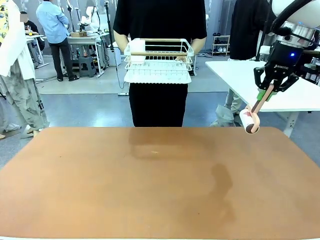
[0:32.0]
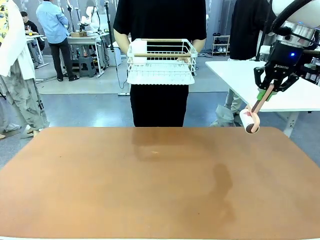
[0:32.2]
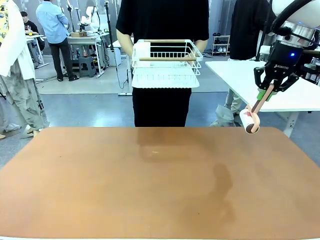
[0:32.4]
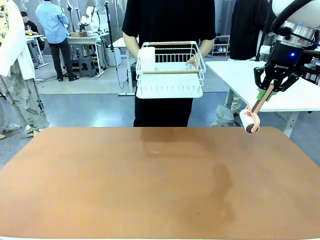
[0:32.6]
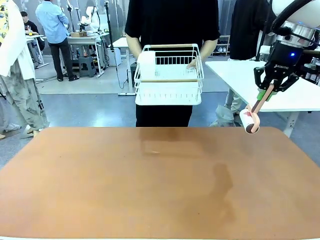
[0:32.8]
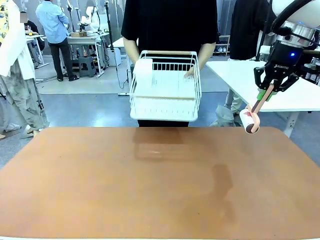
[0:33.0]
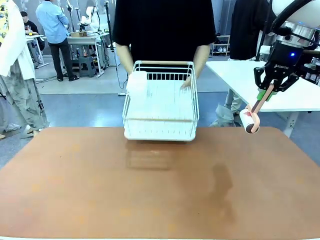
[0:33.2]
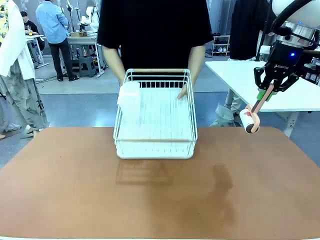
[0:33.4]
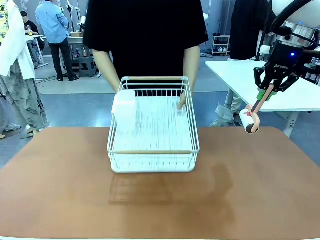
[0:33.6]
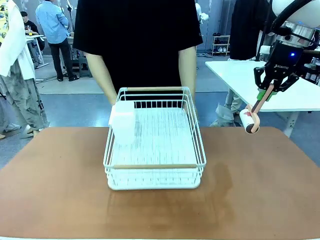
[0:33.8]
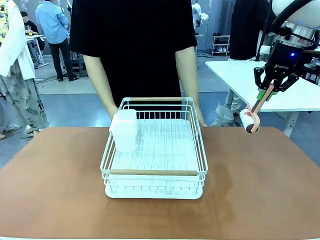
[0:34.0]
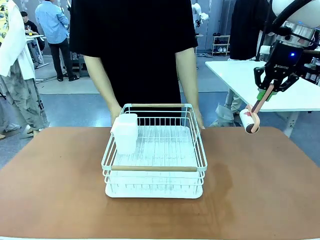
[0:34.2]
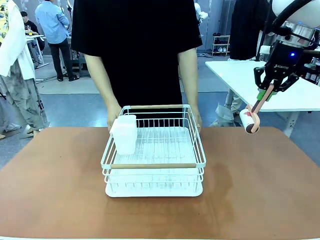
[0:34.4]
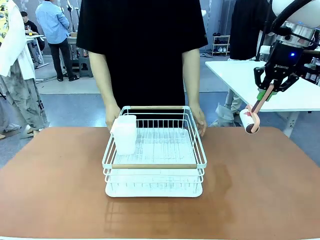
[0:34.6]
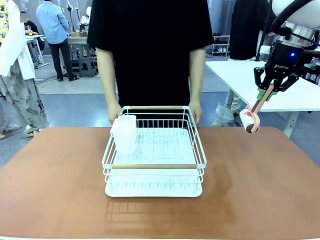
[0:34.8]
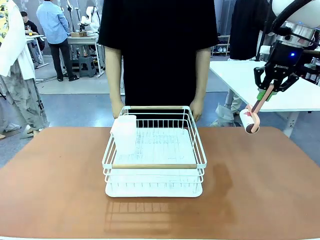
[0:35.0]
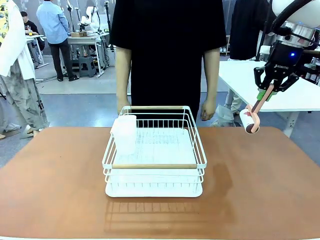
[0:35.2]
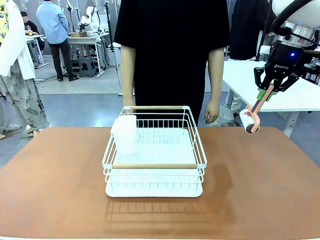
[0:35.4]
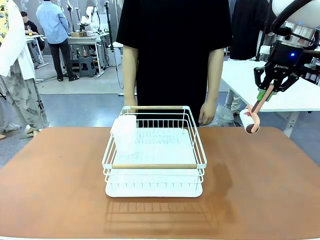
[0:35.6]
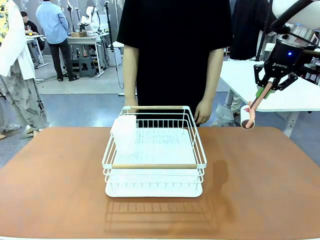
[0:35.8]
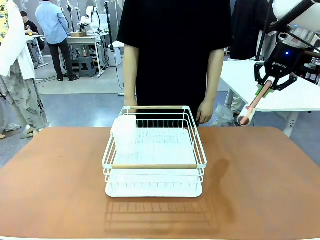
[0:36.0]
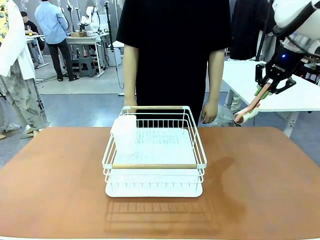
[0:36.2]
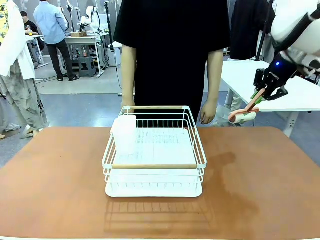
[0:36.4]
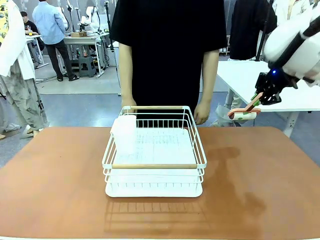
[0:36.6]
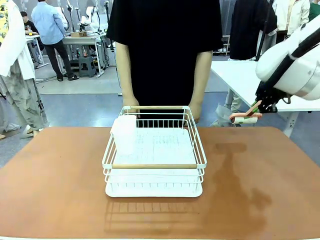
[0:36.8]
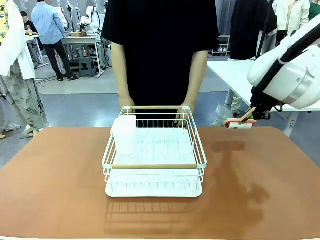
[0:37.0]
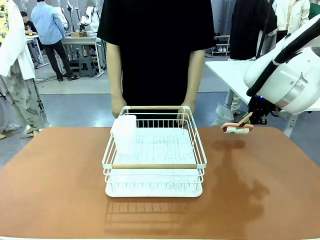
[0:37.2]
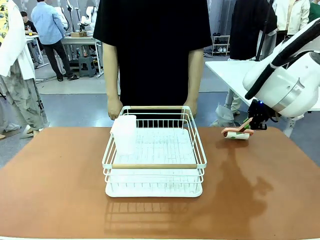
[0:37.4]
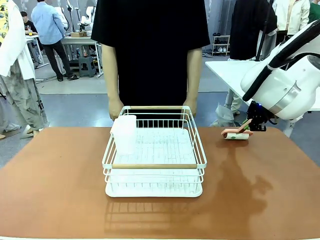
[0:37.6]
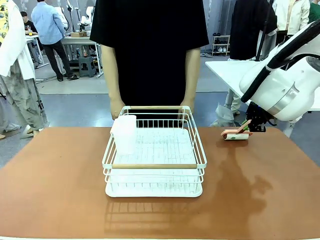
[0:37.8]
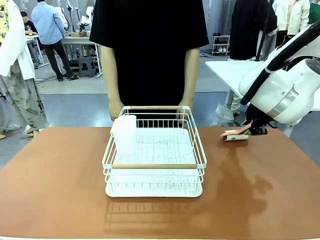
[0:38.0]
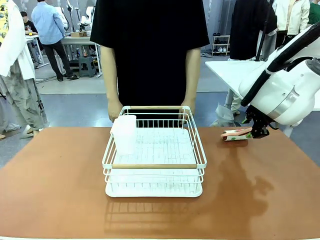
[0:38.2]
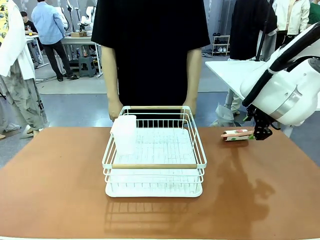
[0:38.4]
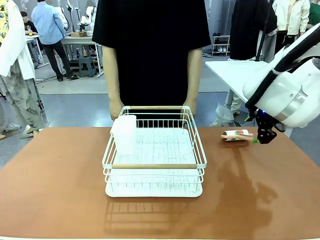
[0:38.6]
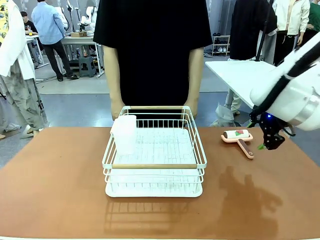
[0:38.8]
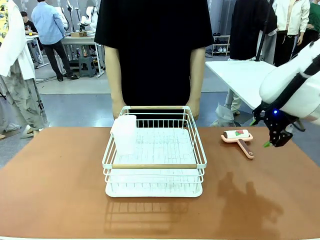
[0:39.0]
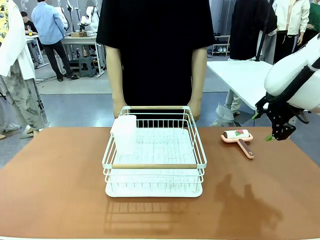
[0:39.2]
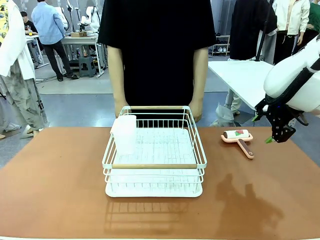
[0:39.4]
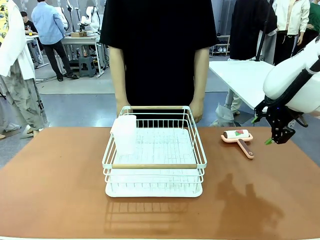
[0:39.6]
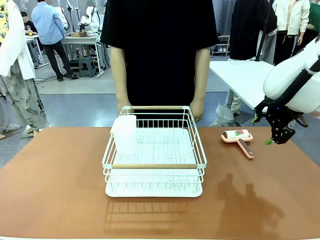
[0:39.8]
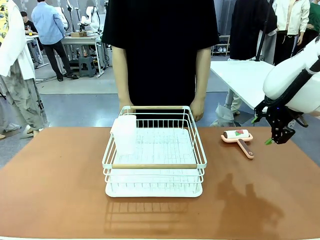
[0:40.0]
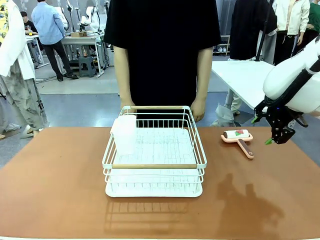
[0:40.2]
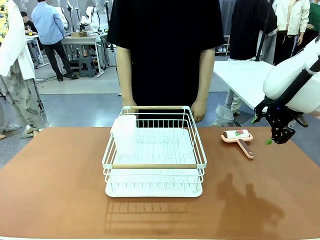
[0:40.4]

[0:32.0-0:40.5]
Task: Clean the table.
Robot: Place the Lint Roller down when the Dish drying rack is positioned in the middle of the table.

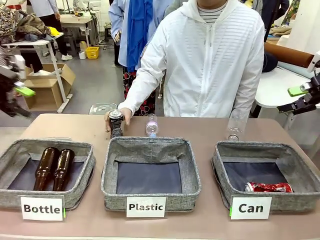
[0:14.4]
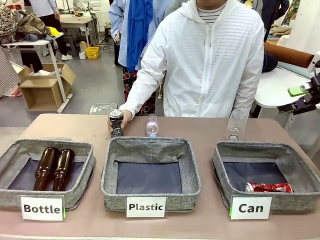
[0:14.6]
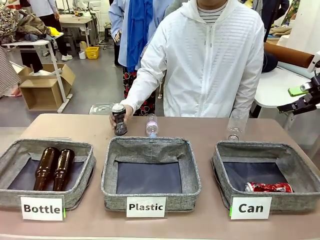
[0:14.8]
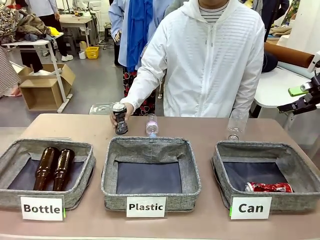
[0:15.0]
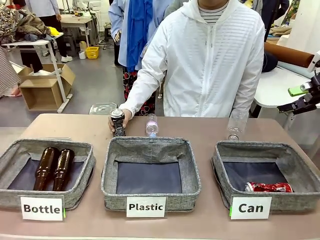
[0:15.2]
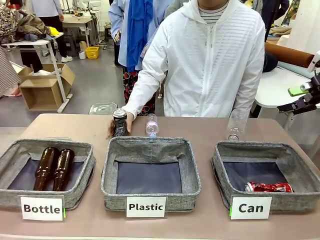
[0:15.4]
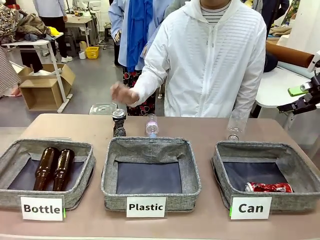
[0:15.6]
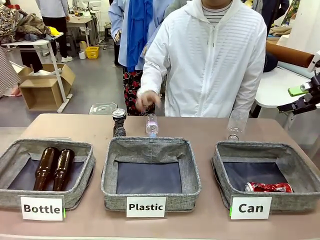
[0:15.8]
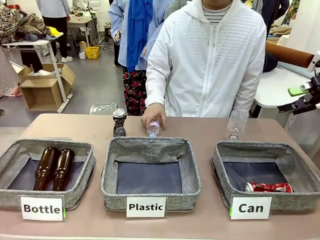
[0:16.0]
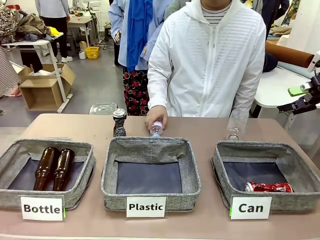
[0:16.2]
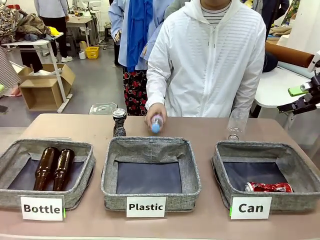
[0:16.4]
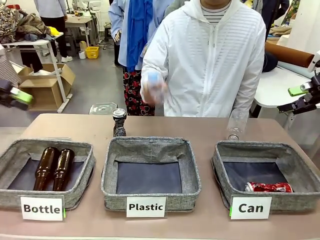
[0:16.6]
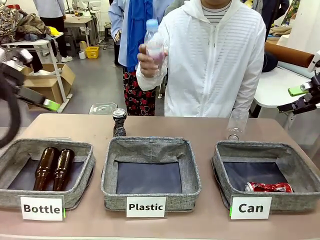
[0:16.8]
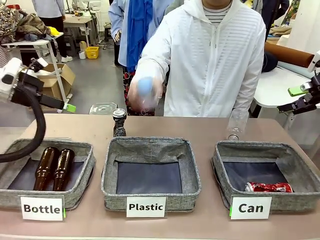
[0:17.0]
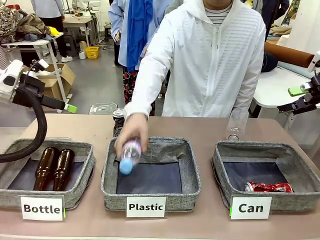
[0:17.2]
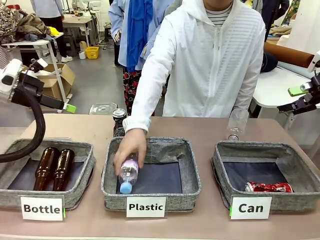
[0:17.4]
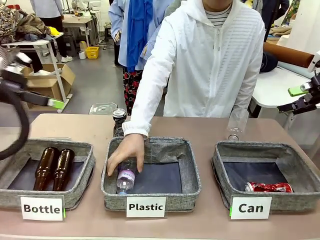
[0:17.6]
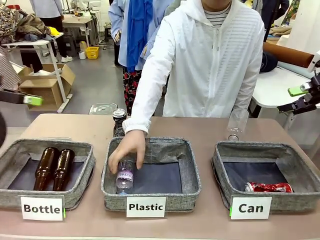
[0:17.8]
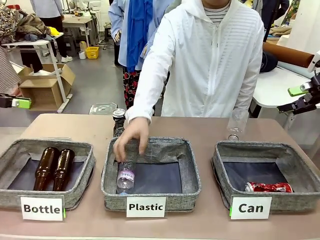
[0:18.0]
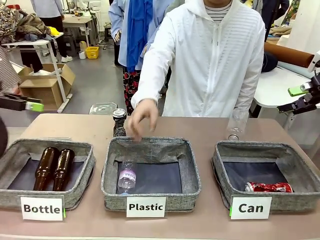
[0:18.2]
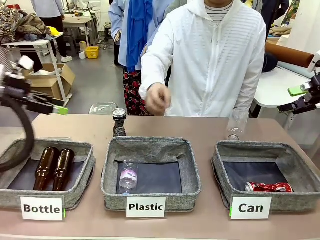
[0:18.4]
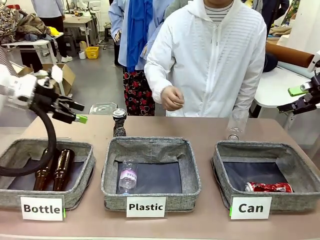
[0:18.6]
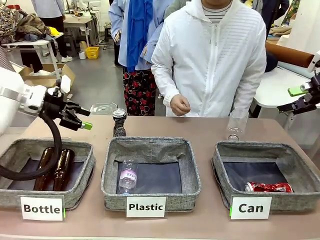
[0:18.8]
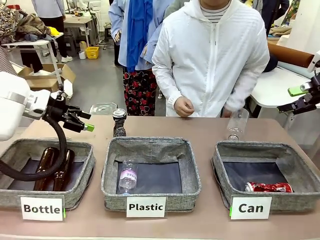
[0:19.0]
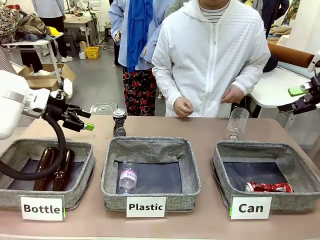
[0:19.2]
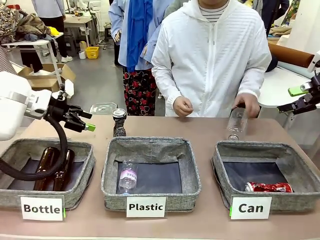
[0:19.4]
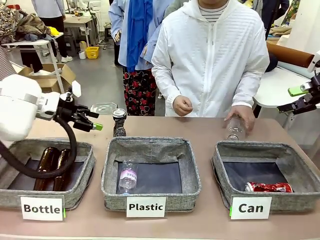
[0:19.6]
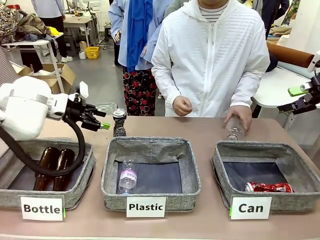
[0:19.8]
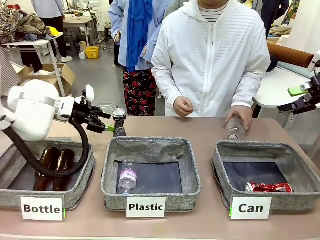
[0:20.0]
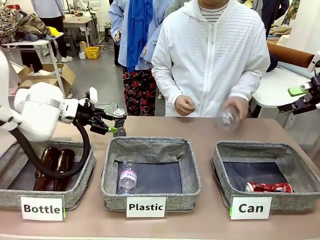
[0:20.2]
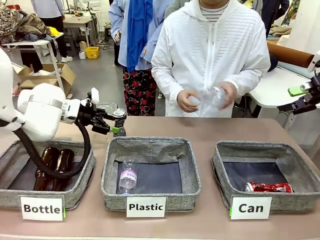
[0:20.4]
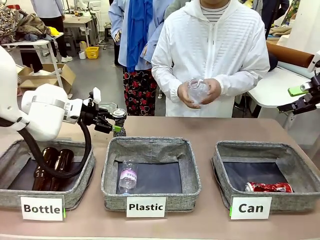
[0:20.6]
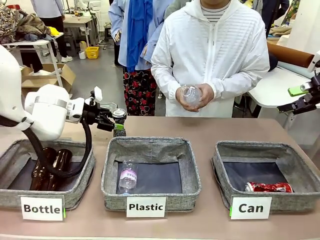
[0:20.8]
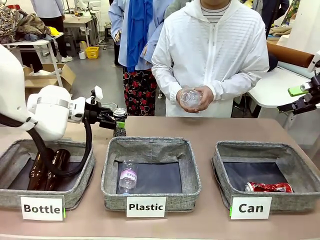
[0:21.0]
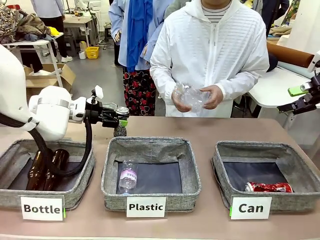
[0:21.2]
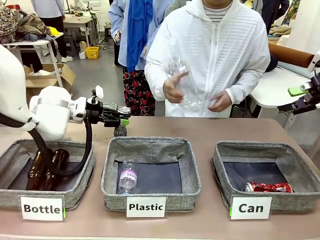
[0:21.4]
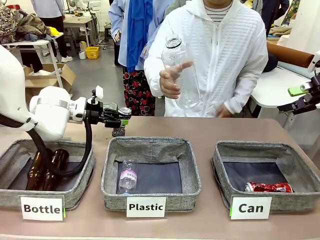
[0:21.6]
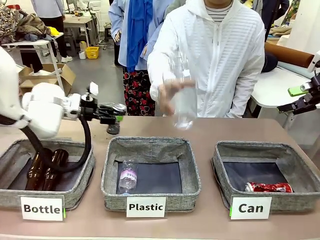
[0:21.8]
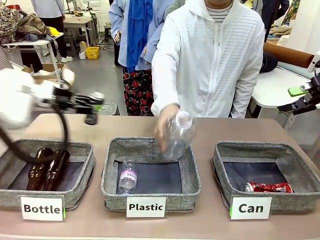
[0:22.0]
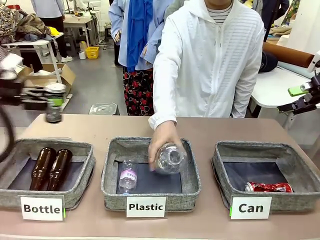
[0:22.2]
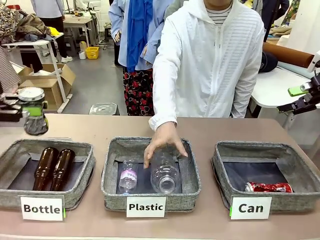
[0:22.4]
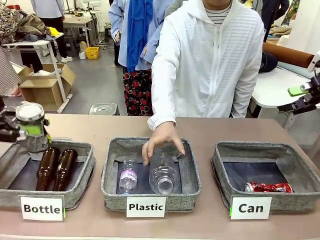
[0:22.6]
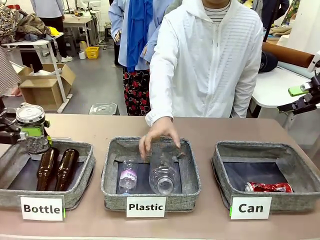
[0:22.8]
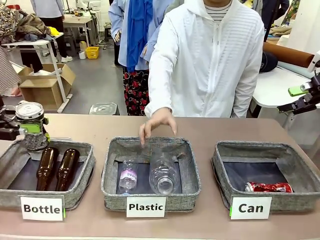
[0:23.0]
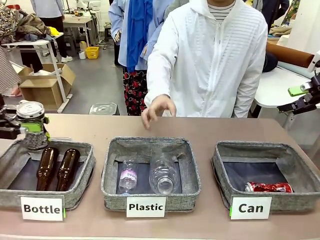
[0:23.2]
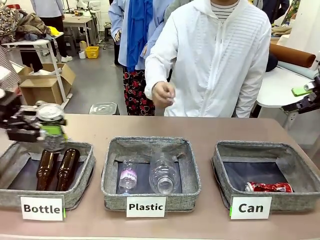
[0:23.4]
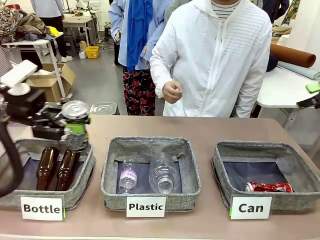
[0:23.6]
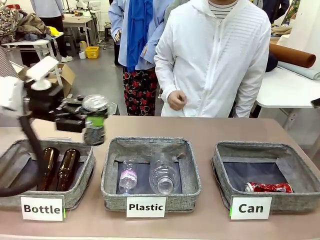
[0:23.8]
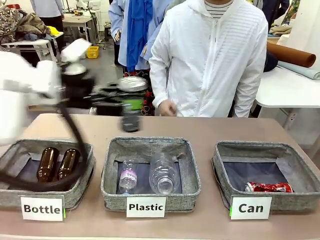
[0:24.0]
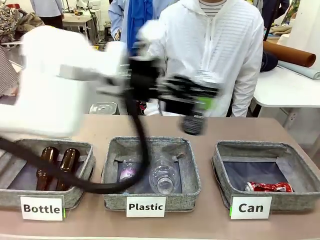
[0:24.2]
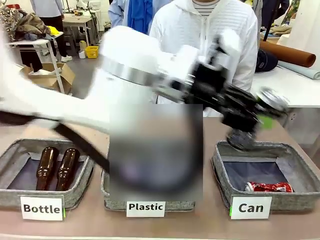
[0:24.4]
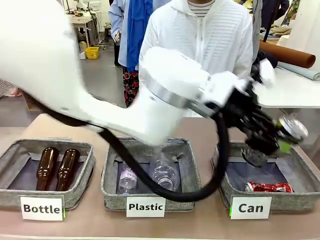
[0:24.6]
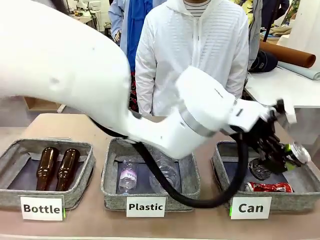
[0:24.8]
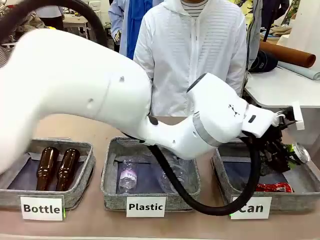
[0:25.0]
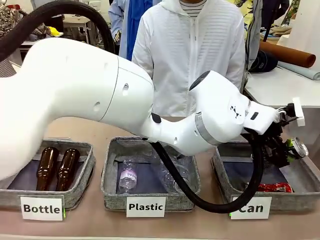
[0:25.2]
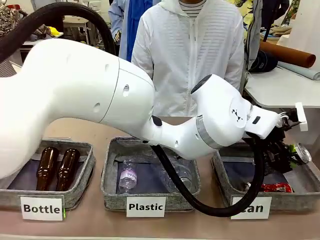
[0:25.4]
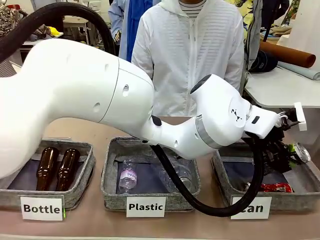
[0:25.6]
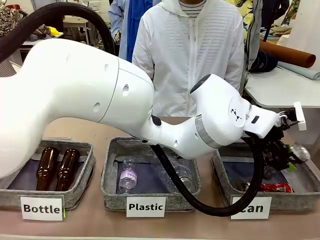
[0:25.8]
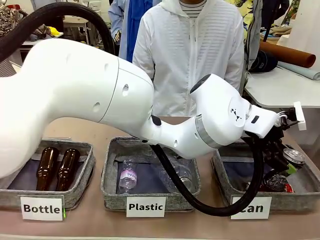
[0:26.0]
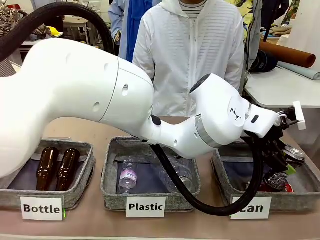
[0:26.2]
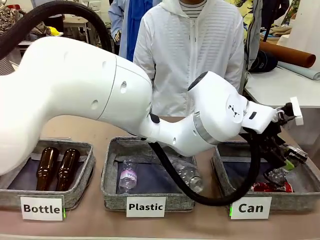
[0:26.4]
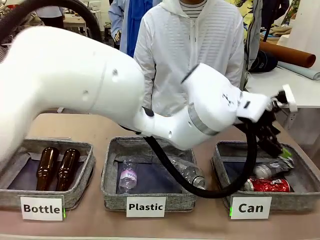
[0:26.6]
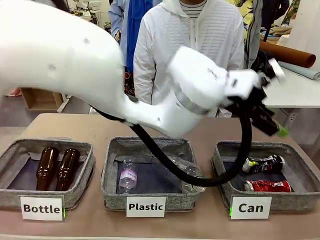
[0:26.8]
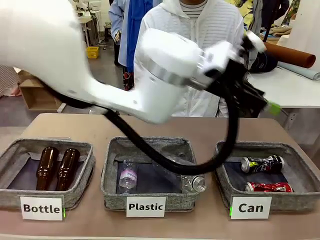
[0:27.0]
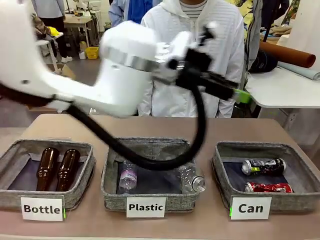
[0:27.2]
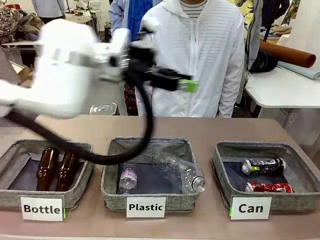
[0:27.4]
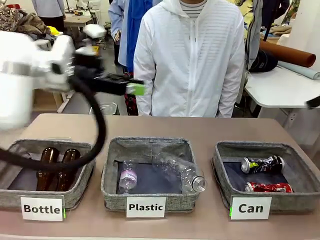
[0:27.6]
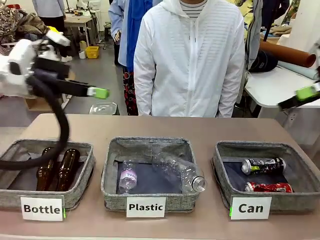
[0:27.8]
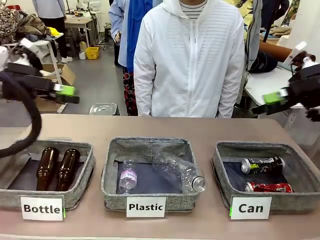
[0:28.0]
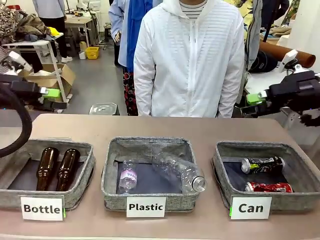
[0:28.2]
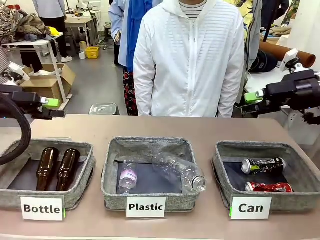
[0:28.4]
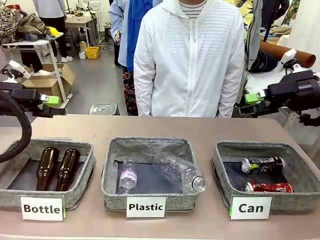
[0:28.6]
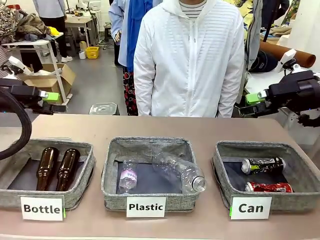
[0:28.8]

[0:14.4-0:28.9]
Task: Sort the can waste into the basket.
Robot: Pick up the can waste from the table and place it in the right Fabric basket.
Person: The human picks up one piece of trash that is not a can and places the trash into the appropriate organizing basket.
